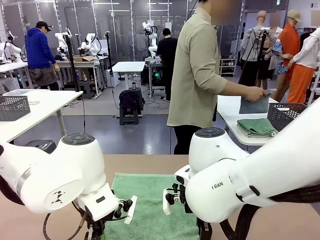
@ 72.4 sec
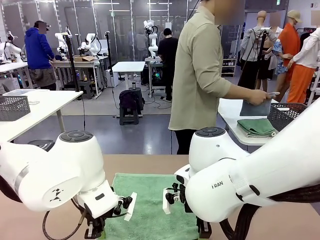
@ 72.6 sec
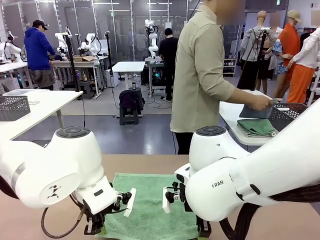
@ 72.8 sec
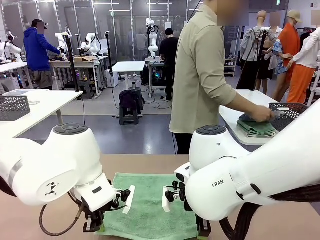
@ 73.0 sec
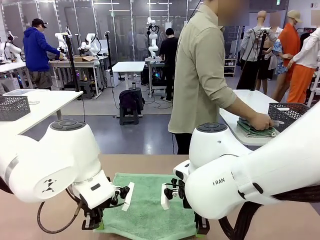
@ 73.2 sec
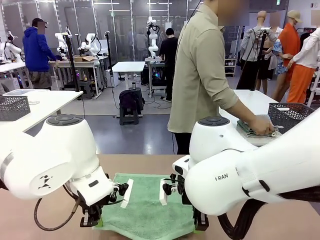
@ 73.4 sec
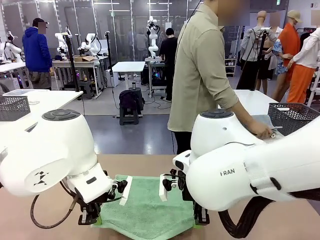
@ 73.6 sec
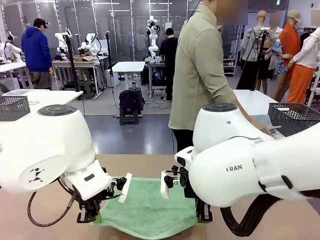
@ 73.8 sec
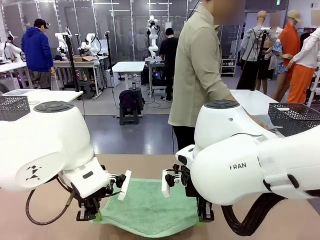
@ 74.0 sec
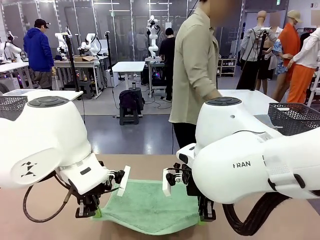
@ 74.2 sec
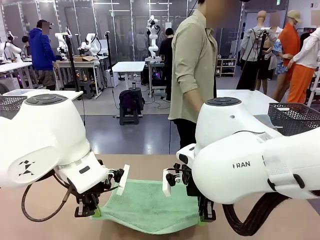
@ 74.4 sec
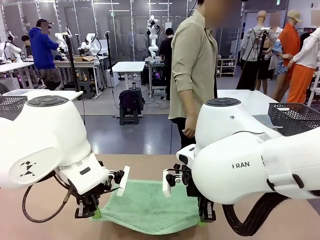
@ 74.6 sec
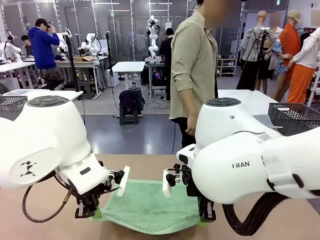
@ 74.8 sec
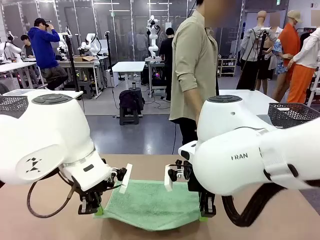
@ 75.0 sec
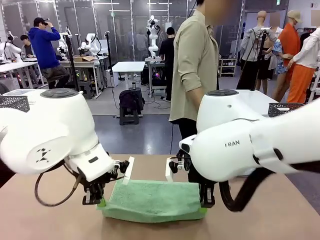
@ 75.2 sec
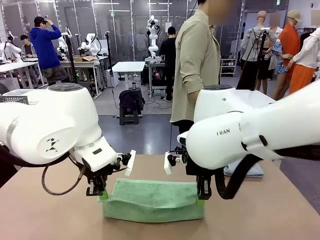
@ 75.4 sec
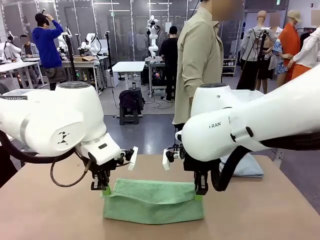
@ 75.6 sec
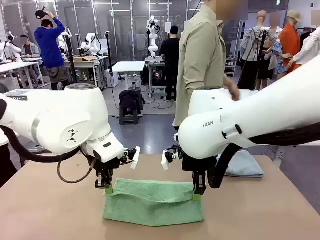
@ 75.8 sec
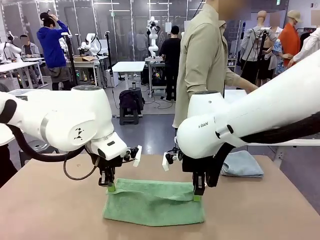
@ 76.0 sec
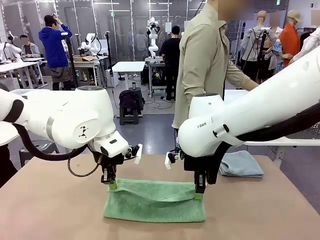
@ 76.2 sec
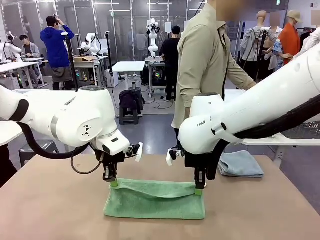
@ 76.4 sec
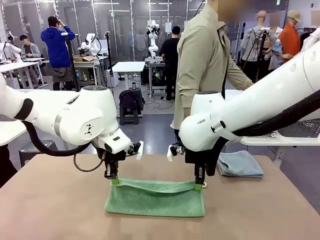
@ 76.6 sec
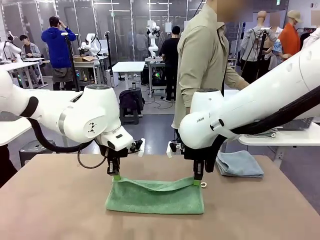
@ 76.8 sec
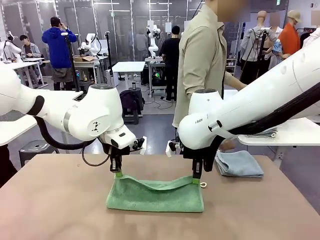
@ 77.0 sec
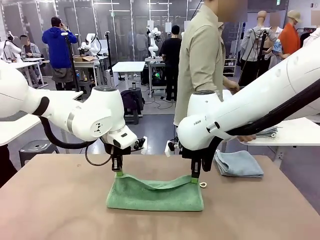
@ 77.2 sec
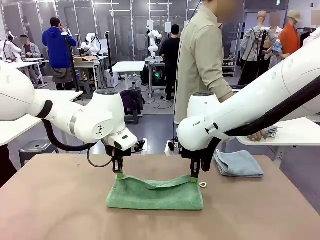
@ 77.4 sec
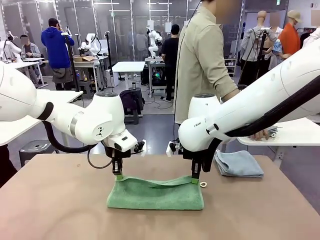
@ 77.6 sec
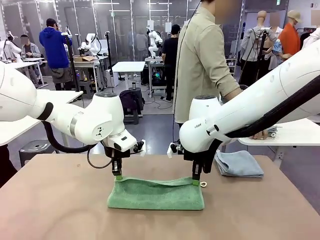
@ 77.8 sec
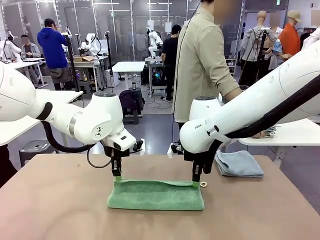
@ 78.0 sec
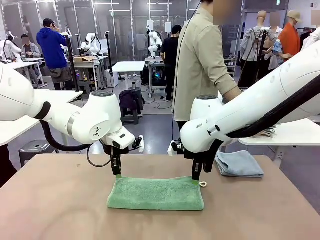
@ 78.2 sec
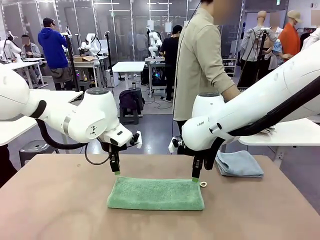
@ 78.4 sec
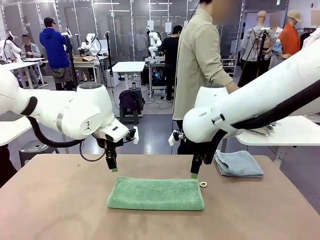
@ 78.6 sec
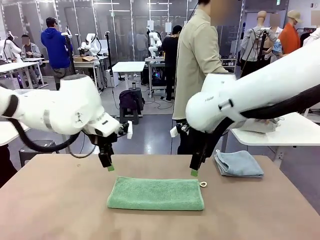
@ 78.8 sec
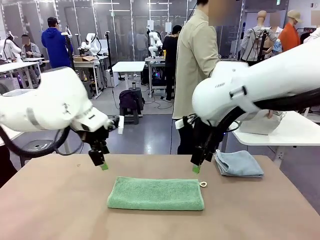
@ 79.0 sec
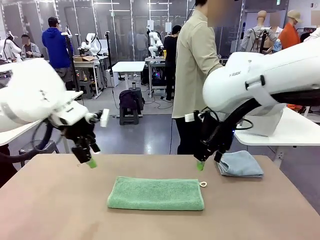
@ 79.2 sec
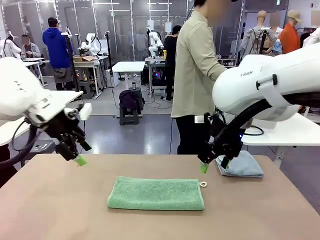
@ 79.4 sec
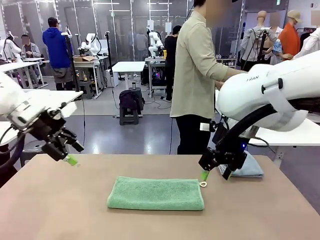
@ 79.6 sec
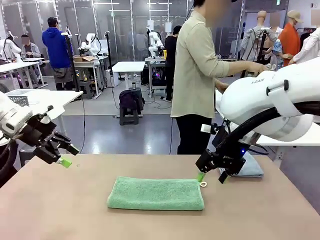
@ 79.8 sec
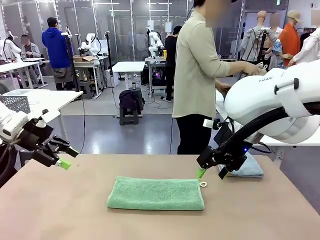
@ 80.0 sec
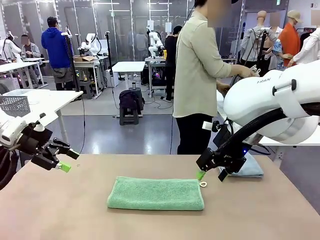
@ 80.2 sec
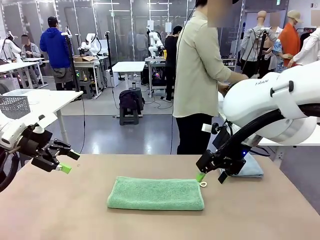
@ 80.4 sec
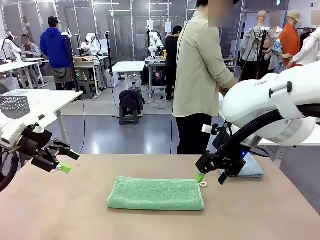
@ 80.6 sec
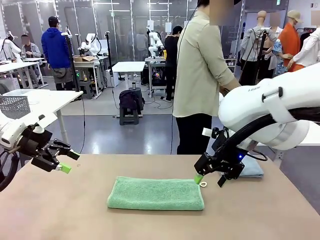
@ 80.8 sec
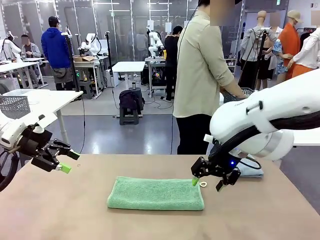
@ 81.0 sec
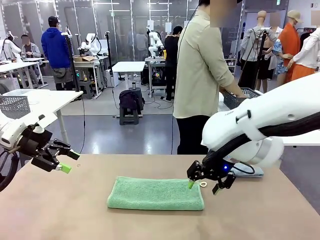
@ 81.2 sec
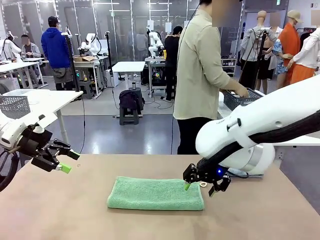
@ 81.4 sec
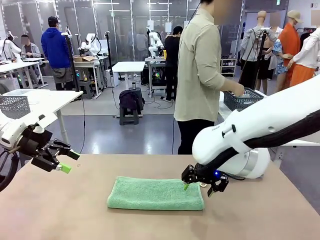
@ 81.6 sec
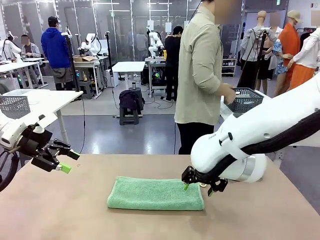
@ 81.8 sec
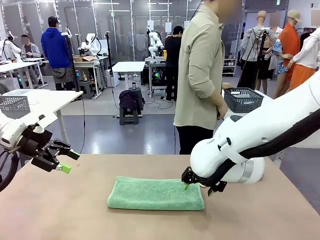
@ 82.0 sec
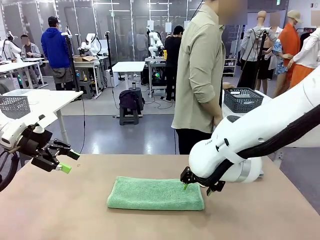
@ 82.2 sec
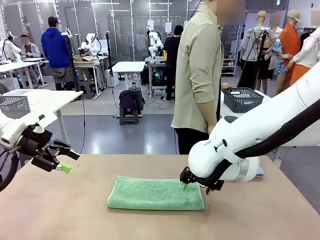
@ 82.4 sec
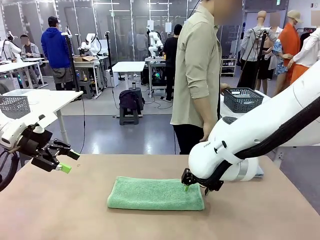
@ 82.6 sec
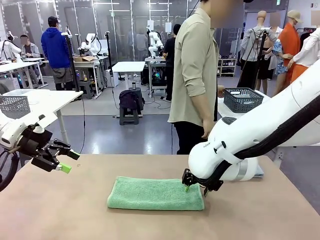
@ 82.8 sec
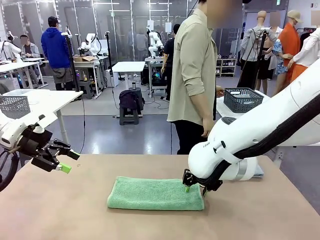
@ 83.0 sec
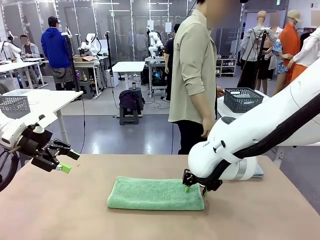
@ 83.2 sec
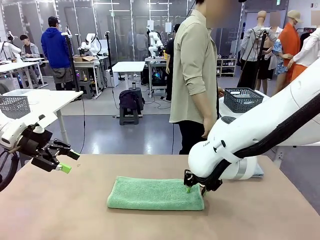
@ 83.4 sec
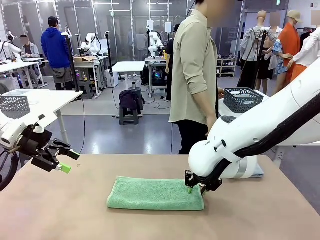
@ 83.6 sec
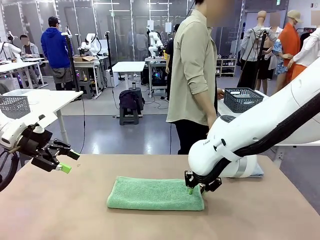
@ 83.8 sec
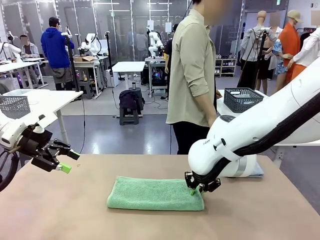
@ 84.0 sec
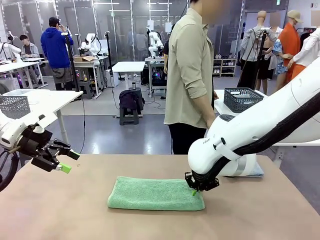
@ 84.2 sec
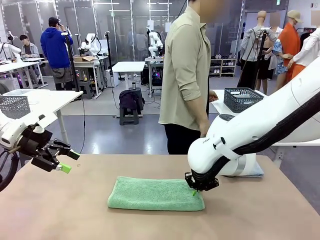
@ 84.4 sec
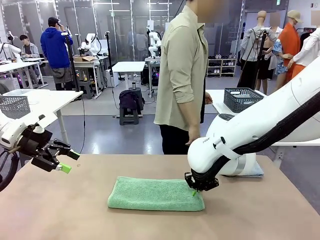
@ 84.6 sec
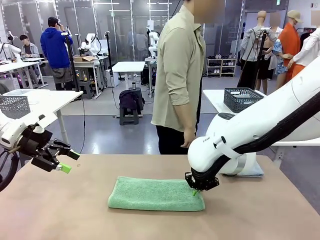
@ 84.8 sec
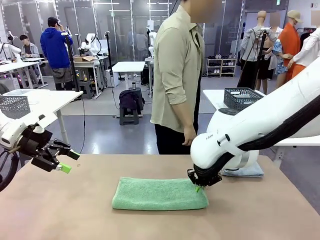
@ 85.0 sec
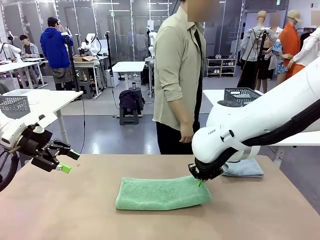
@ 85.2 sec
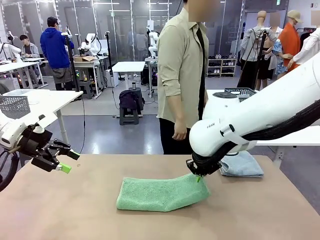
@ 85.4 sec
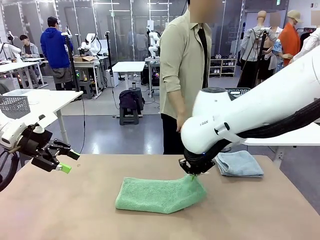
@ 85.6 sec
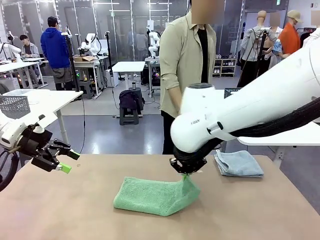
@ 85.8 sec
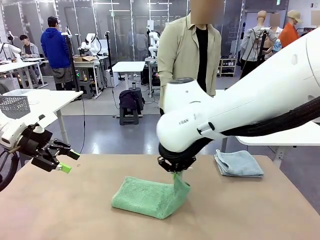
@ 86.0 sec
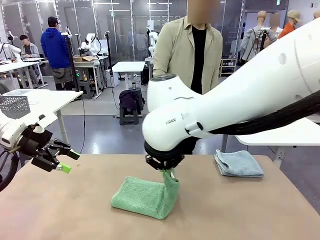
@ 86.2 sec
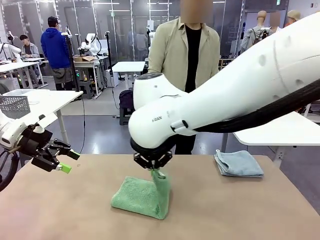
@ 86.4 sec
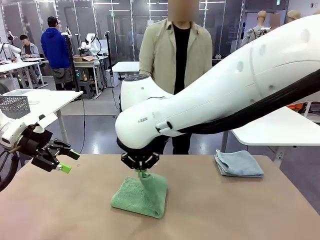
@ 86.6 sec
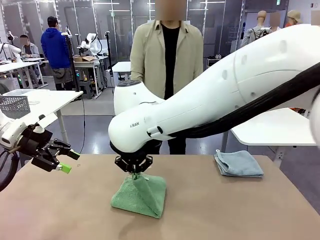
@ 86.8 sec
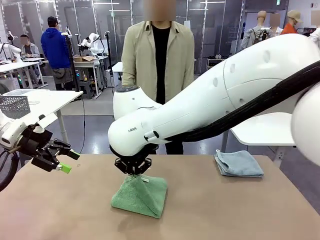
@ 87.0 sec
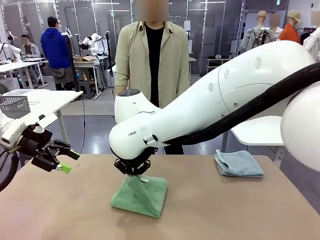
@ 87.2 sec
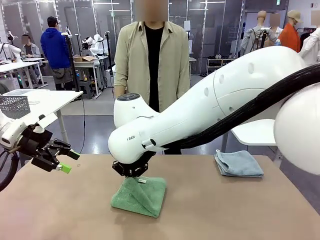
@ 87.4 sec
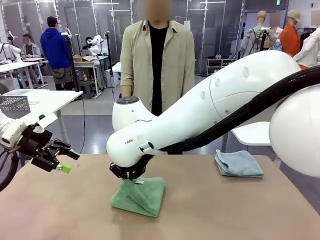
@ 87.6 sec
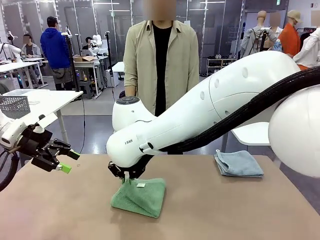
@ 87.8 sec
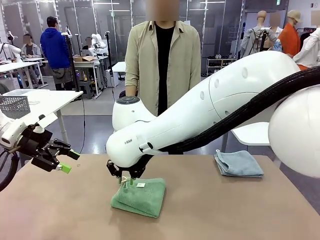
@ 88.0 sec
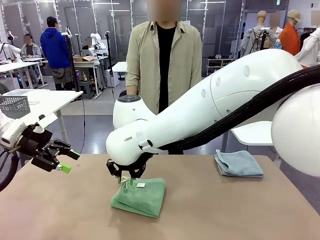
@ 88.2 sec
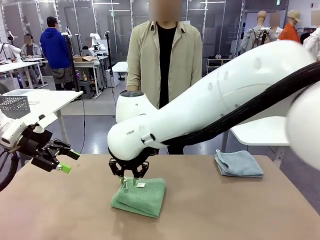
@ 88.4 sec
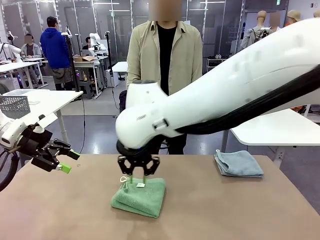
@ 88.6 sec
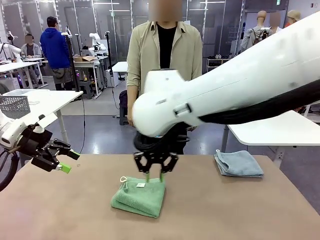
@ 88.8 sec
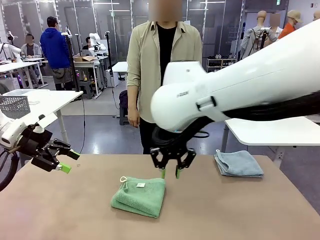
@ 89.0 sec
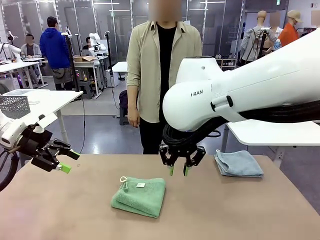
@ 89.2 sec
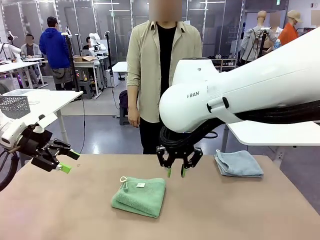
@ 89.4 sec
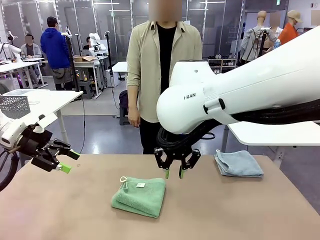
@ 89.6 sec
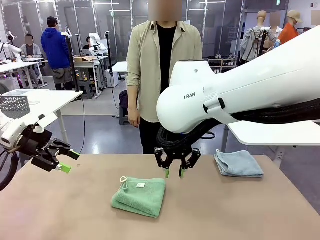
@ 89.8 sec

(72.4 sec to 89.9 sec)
Task: Fold the towels and place them in the basket.
Robot: When a person lays out a Towel with hook on the table, fold it in half twice.
Person: Pick up the stack of towels from the right side of the human table, place it into the basket, and put the basket at the center of the table.
